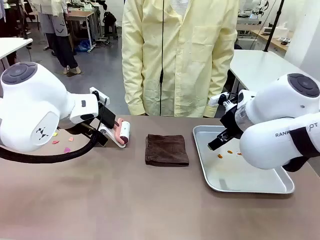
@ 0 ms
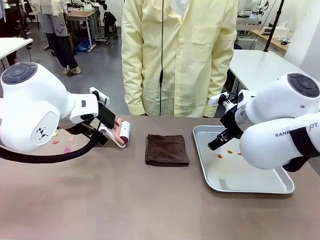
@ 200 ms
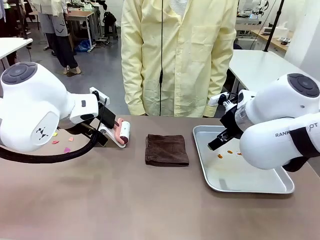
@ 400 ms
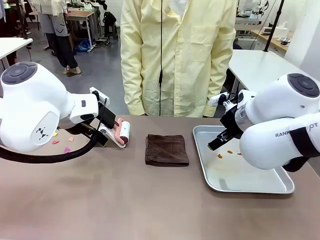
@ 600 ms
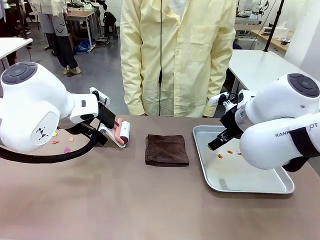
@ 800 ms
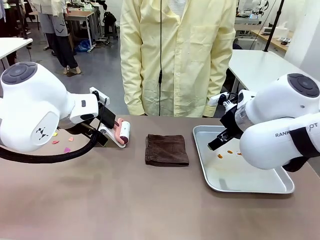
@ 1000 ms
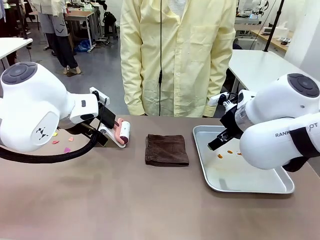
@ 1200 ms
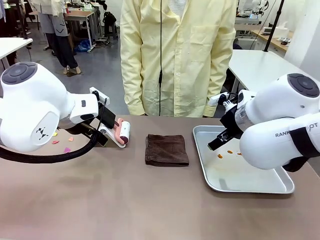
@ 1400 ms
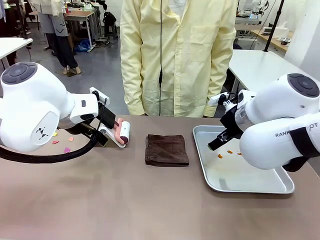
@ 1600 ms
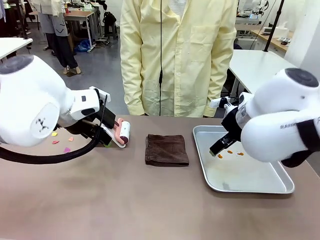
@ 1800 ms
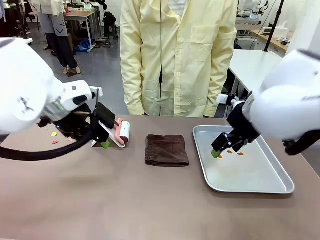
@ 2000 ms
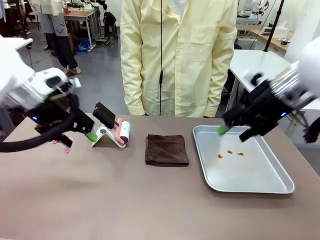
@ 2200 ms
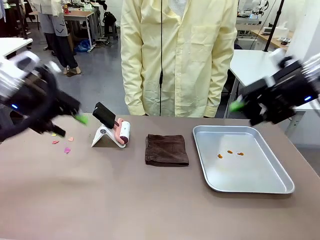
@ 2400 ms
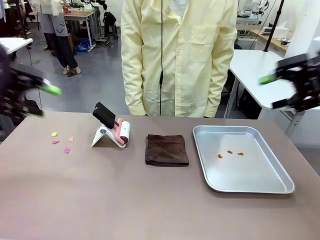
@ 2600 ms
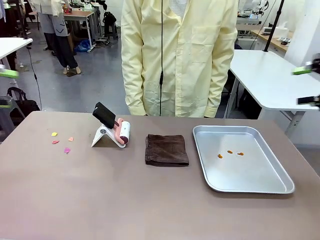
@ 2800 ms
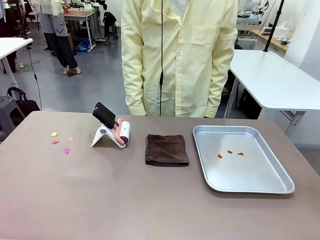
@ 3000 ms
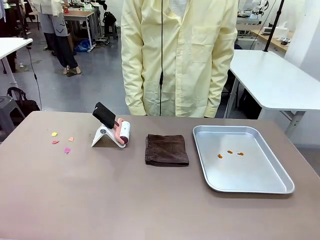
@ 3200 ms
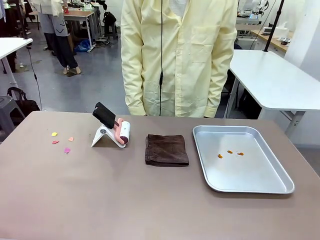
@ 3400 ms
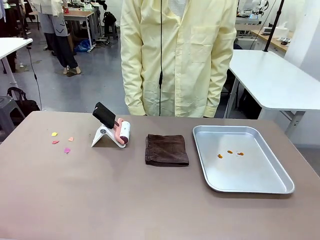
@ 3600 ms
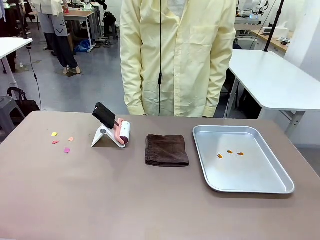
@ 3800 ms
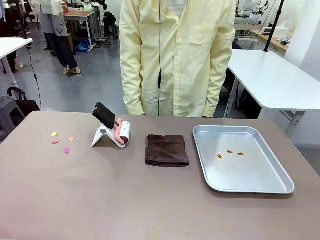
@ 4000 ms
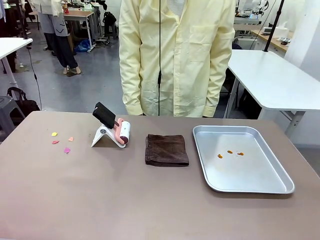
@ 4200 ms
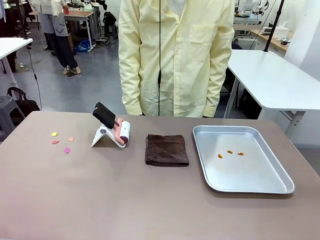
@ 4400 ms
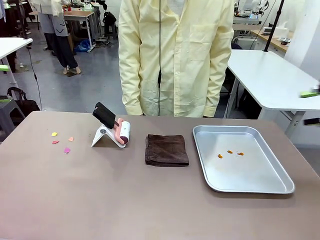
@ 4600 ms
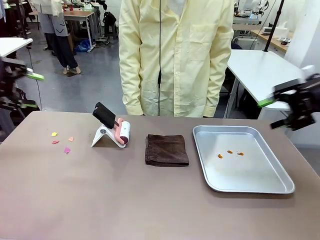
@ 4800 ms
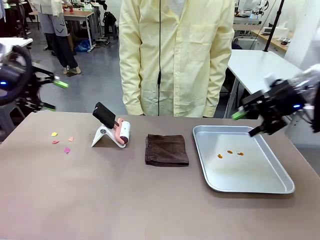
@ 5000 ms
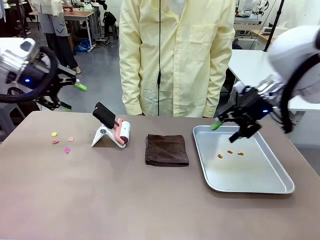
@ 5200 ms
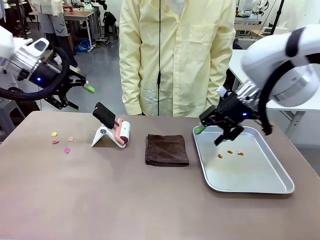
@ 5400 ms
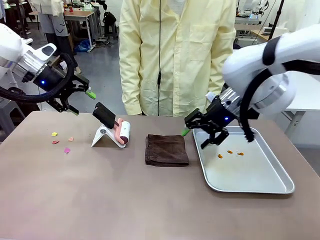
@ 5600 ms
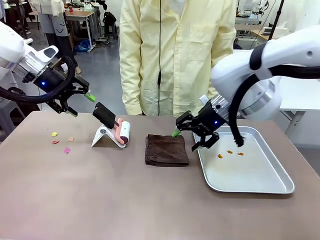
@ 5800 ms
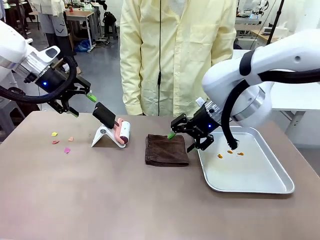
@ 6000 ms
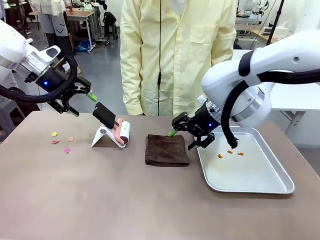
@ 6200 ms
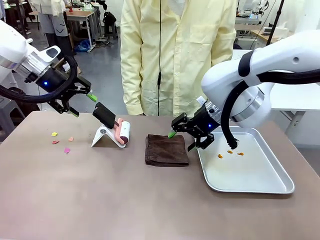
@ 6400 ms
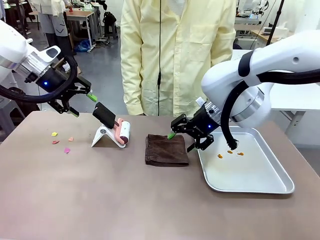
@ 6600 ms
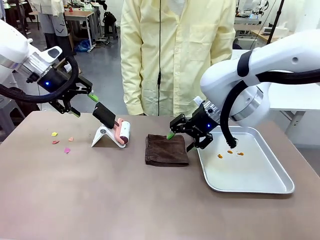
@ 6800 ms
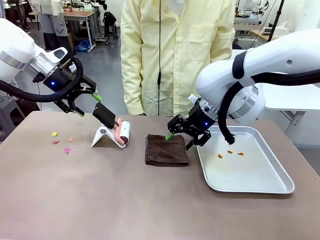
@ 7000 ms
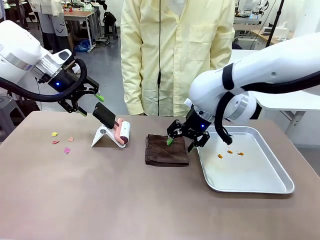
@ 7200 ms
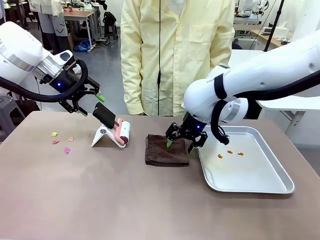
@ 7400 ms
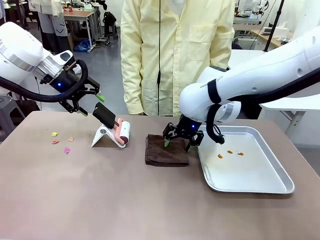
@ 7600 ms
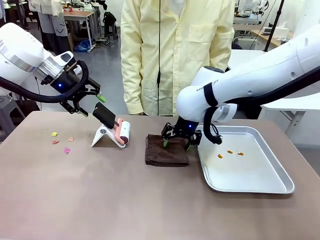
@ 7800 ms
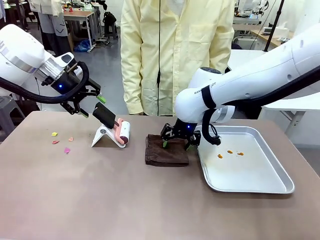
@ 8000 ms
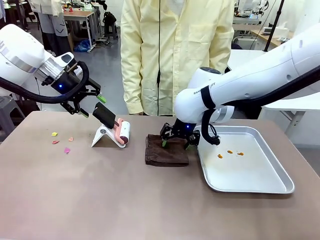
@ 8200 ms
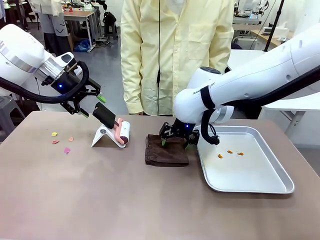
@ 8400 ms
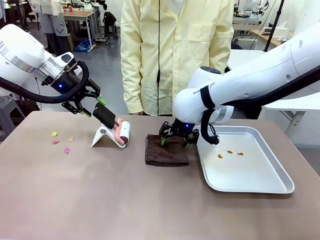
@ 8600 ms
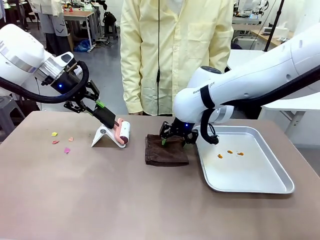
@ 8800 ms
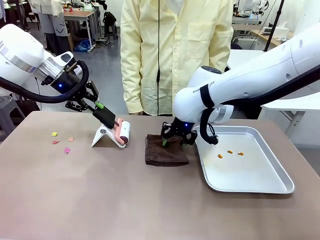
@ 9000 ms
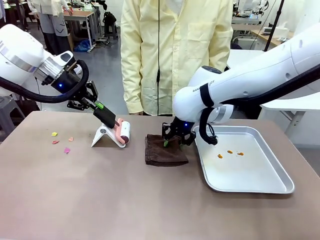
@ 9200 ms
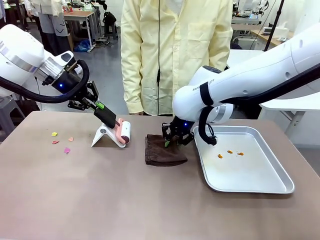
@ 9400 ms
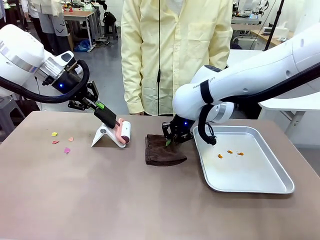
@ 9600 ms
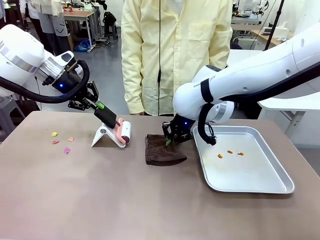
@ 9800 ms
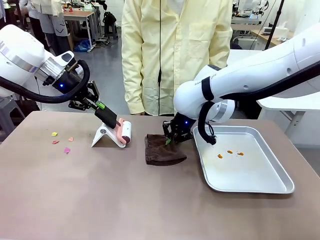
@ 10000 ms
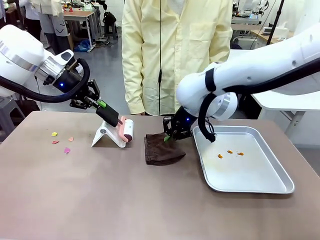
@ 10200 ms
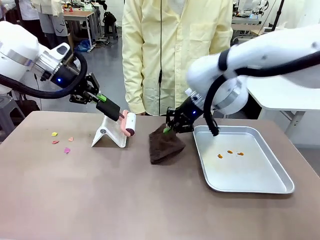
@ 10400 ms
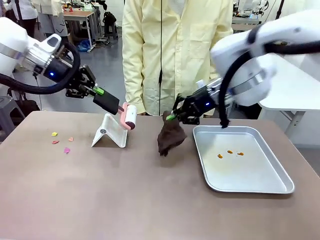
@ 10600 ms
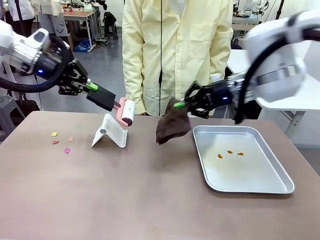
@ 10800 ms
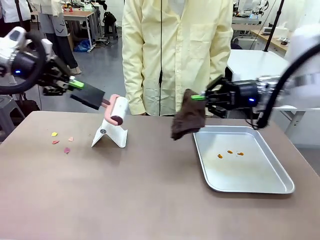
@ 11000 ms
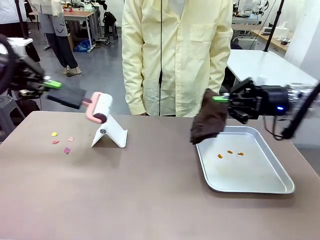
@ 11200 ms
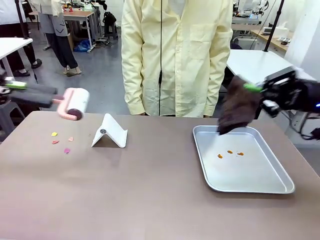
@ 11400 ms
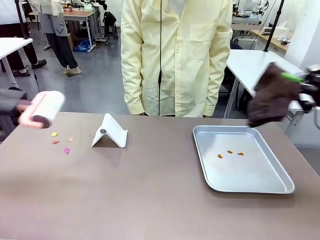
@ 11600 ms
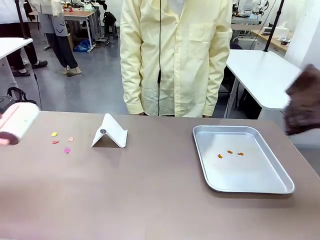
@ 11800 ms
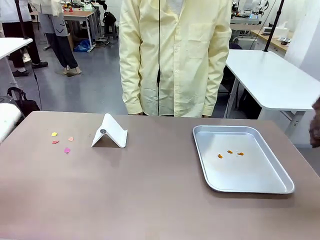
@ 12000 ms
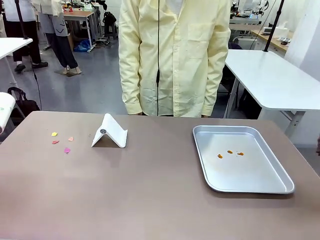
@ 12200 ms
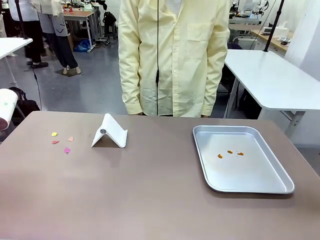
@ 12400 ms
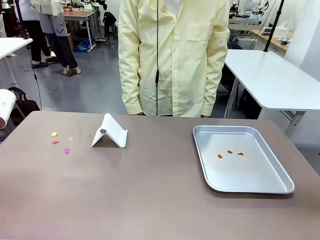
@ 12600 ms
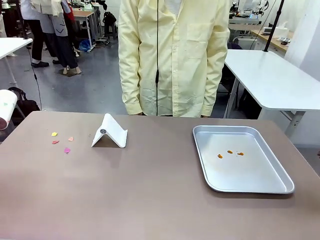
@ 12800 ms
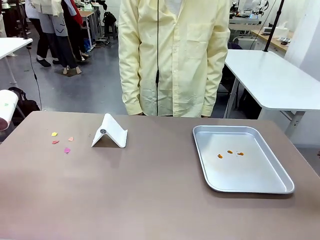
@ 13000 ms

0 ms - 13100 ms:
Task: Clean the surface of the table.
Robot: Hold the Lint Roller with your left hand and the towel with your right hand.

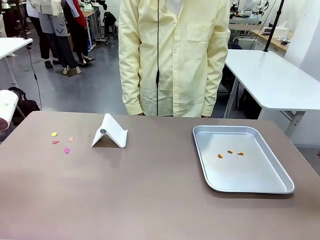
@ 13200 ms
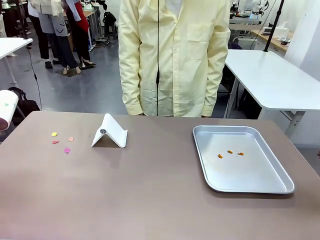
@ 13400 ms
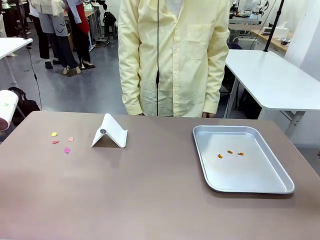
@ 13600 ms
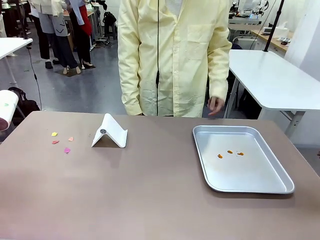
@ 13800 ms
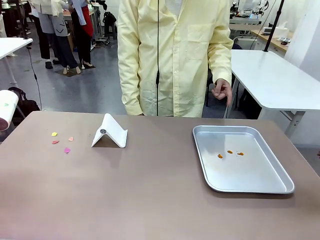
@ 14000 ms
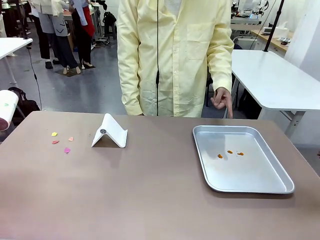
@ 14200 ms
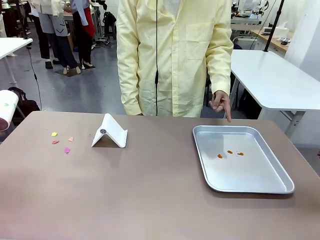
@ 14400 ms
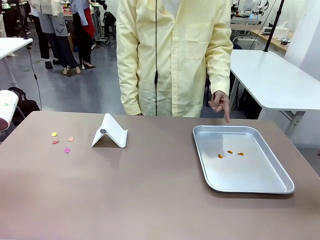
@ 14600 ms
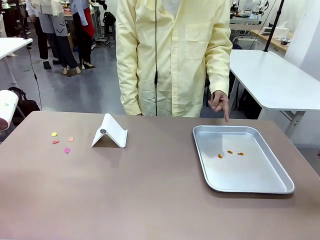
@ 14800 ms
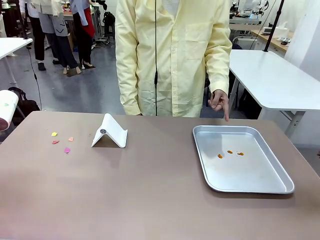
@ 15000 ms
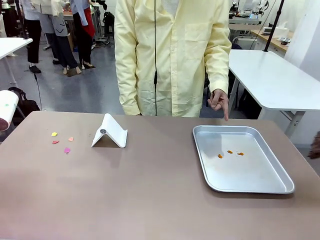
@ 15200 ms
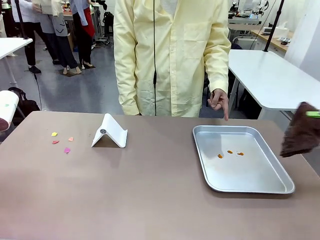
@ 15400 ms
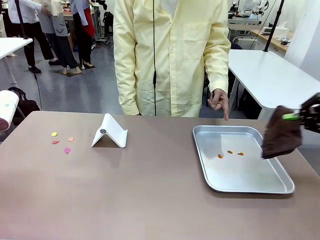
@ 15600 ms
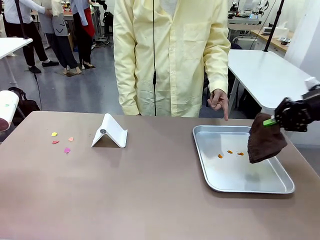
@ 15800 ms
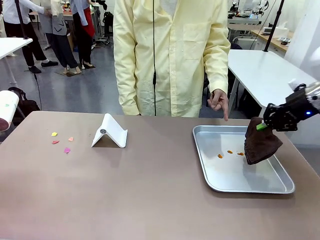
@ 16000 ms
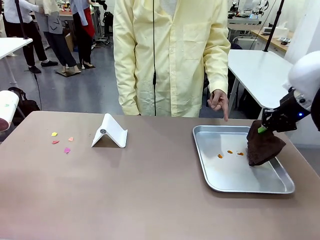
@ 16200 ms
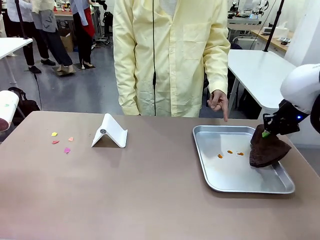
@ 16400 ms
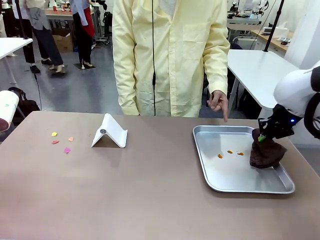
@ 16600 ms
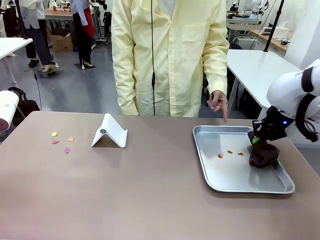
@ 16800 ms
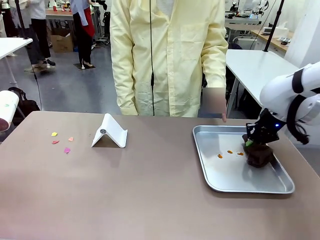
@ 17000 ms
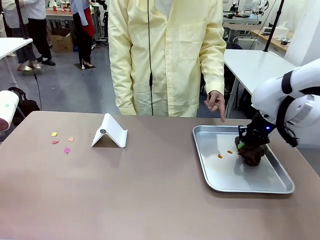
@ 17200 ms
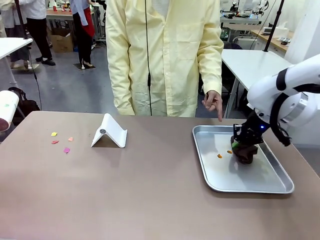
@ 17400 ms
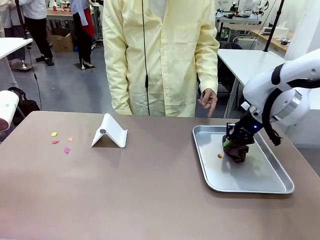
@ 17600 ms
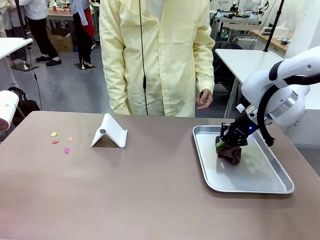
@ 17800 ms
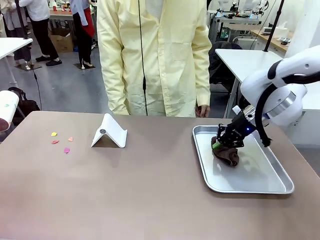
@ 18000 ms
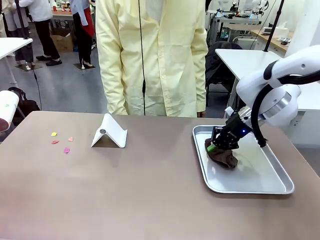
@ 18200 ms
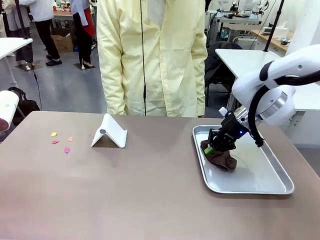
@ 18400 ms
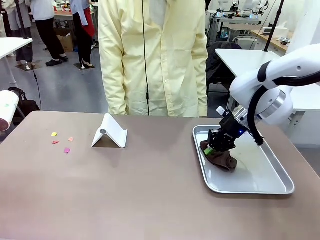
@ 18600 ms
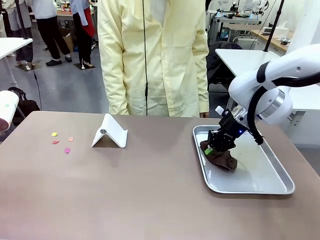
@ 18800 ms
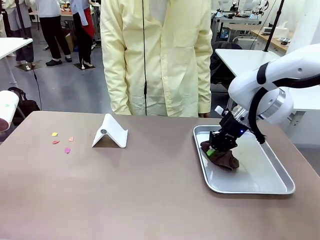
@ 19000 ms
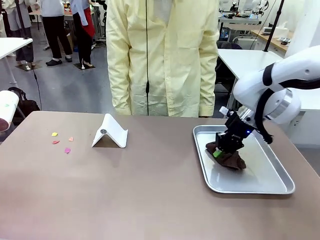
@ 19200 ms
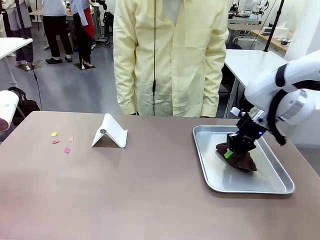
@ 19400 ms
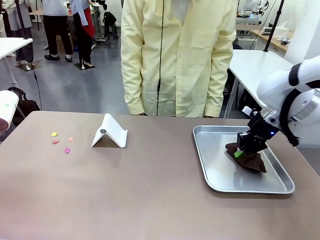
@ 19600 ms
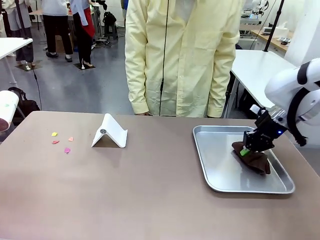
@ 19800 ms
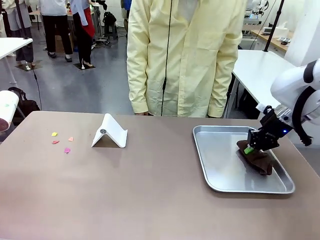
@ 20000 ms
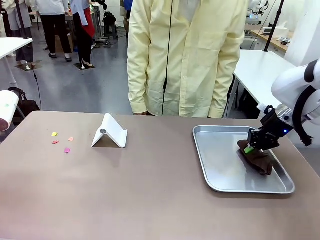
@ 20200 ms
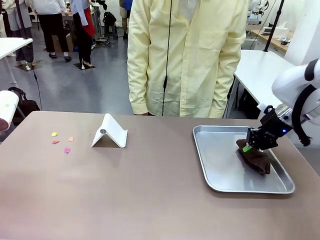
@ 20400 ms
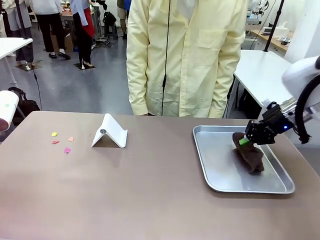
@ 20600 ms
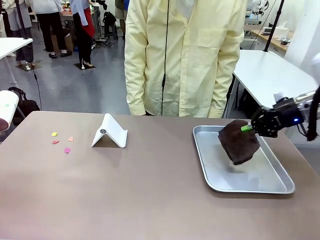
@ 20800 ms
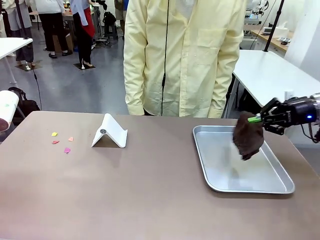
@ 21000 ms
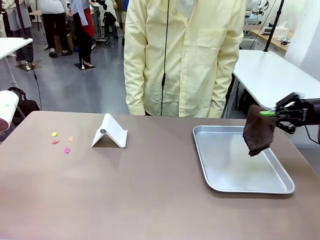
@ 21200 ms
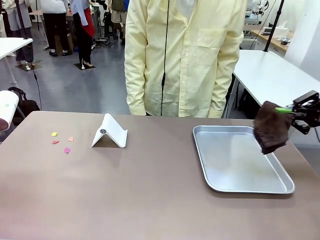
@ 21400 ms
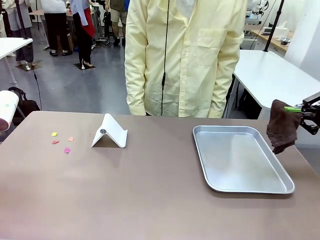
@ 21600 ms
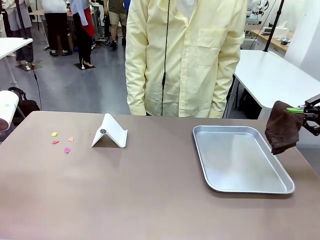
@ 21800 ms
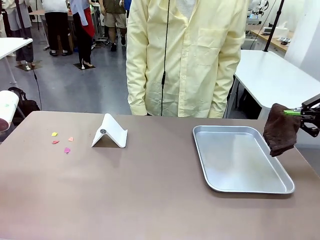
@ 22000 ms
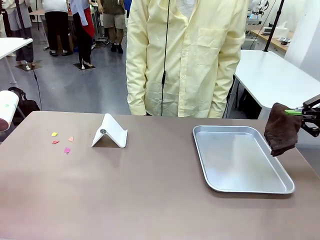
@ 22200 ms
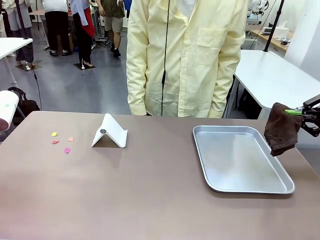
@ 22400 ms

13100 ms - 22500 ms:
Robot: If a person points to the right, clean the right side of the table with your right hand, and if they point to the left, clean the left side with your left hand.
